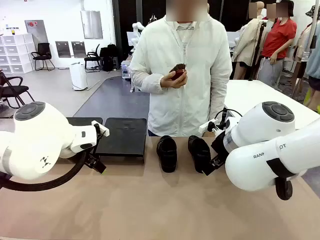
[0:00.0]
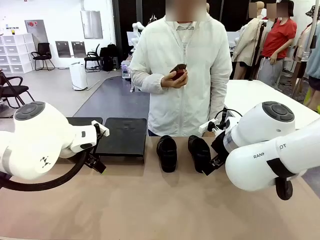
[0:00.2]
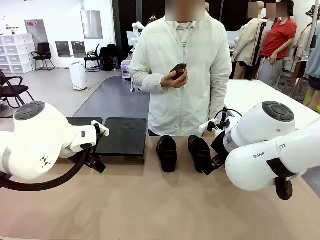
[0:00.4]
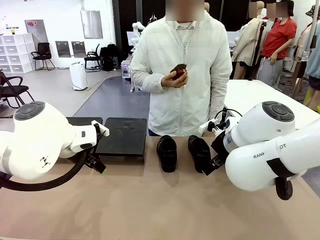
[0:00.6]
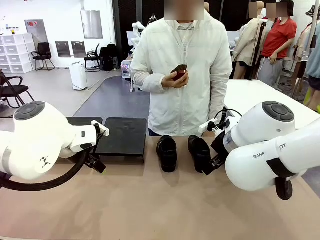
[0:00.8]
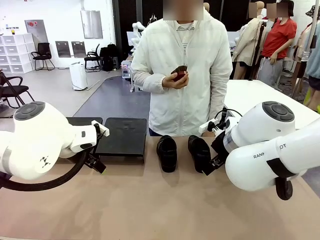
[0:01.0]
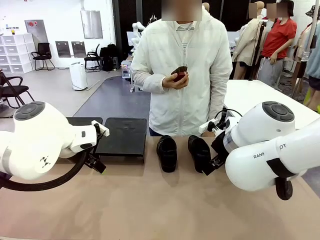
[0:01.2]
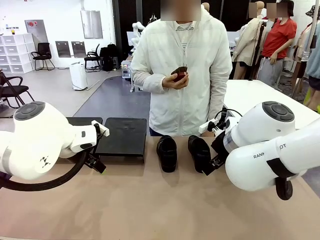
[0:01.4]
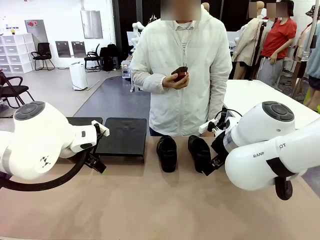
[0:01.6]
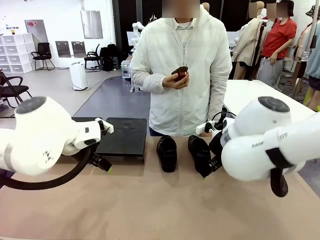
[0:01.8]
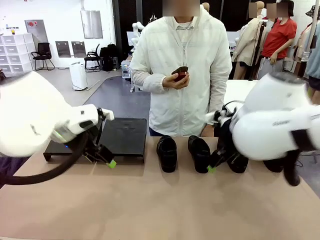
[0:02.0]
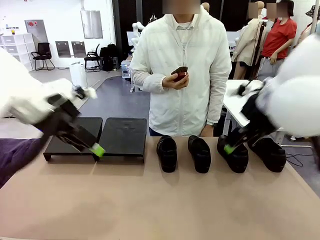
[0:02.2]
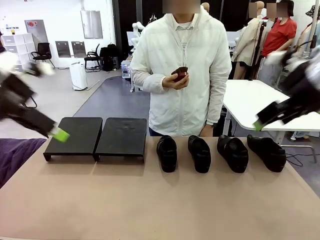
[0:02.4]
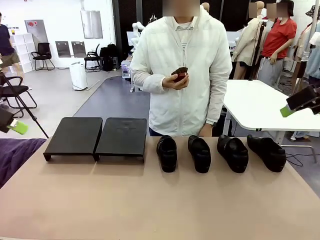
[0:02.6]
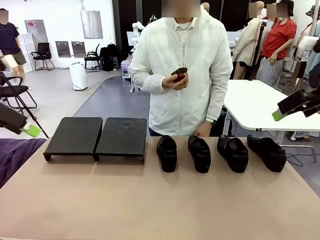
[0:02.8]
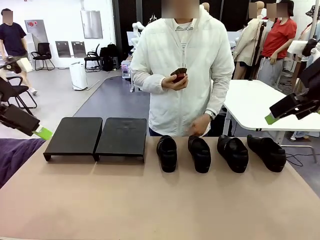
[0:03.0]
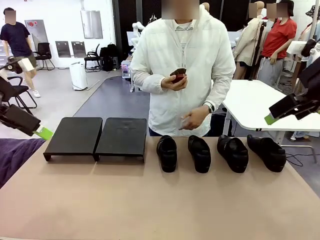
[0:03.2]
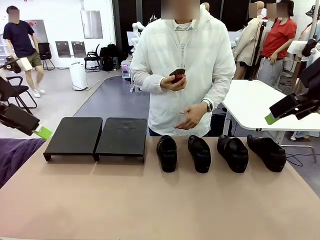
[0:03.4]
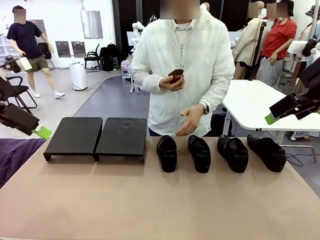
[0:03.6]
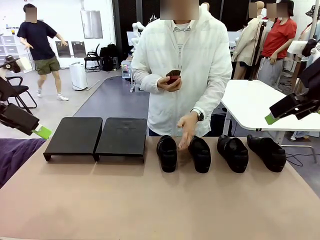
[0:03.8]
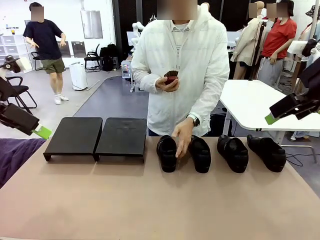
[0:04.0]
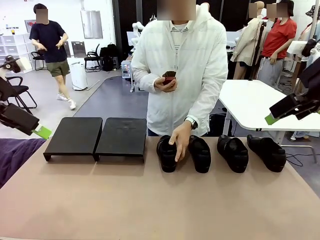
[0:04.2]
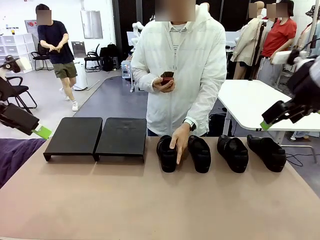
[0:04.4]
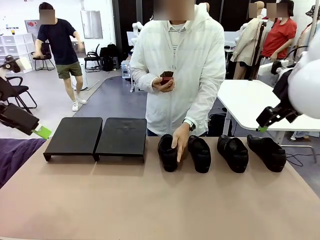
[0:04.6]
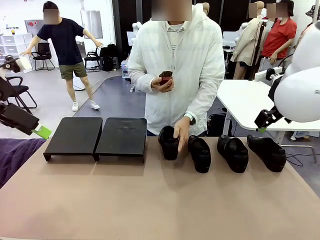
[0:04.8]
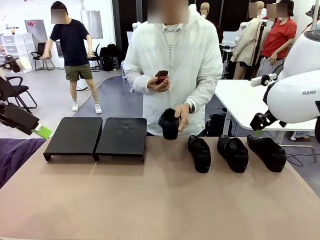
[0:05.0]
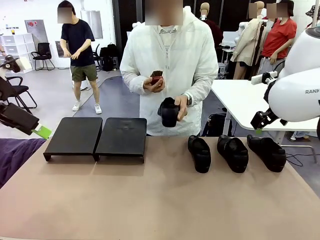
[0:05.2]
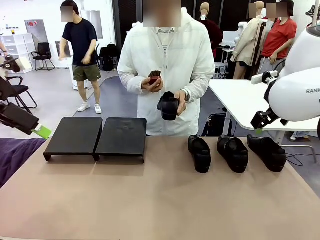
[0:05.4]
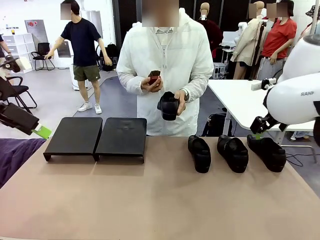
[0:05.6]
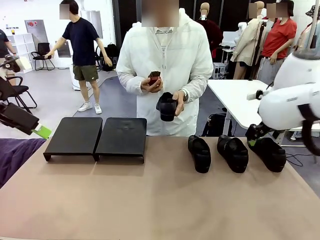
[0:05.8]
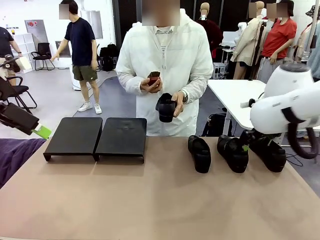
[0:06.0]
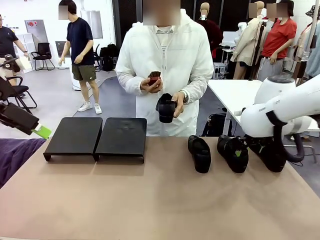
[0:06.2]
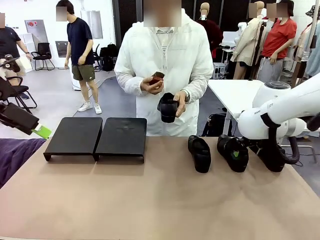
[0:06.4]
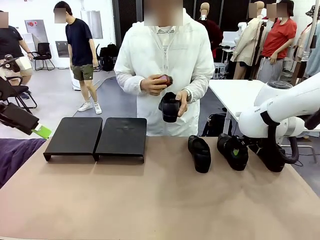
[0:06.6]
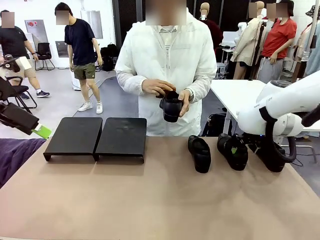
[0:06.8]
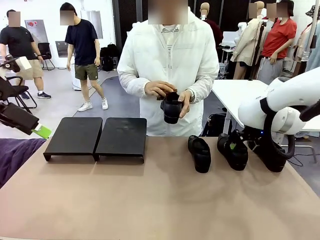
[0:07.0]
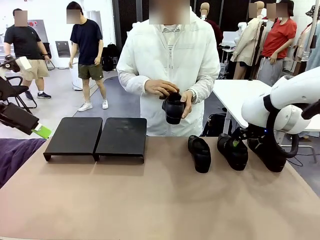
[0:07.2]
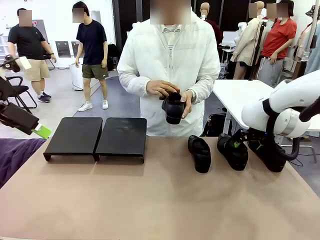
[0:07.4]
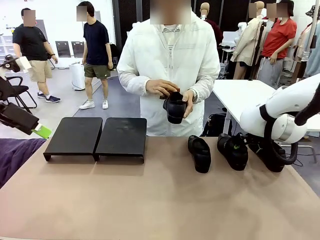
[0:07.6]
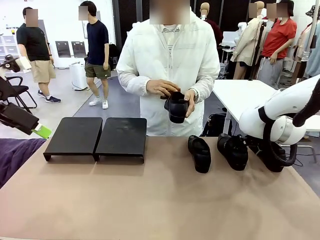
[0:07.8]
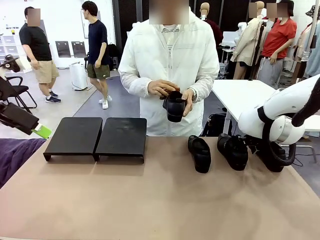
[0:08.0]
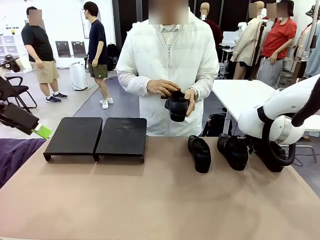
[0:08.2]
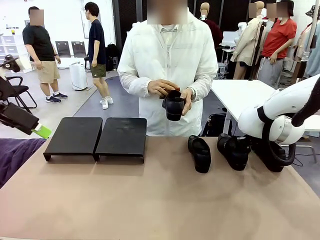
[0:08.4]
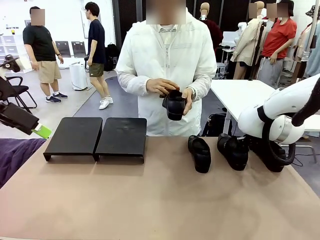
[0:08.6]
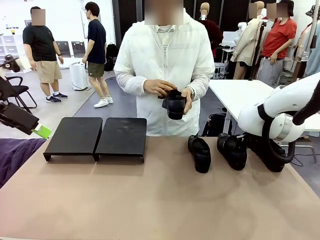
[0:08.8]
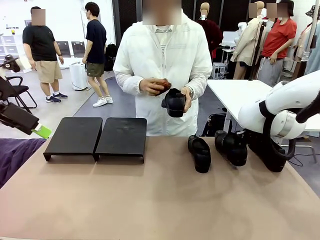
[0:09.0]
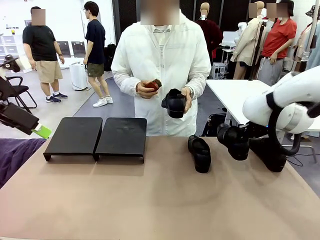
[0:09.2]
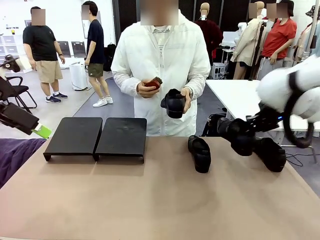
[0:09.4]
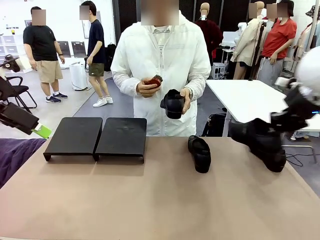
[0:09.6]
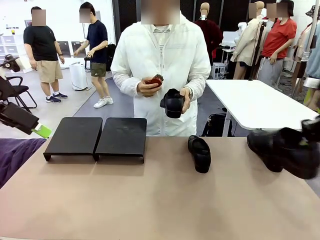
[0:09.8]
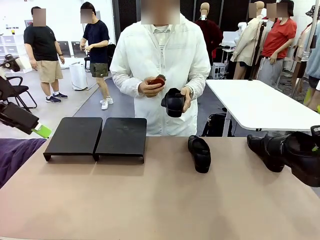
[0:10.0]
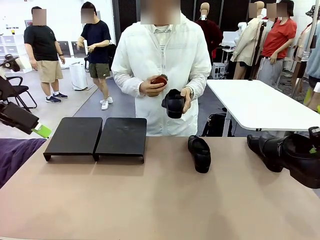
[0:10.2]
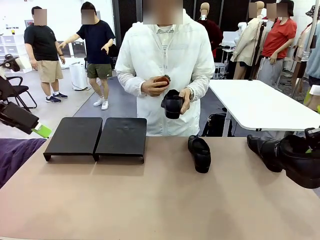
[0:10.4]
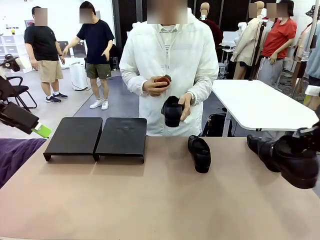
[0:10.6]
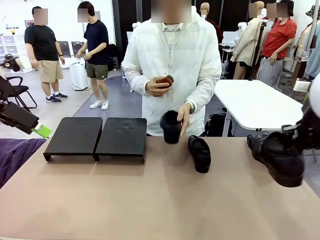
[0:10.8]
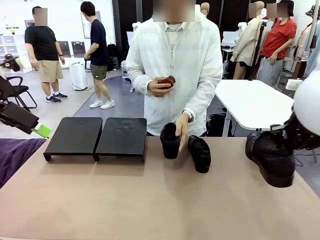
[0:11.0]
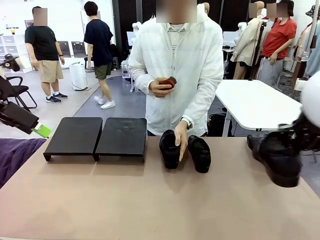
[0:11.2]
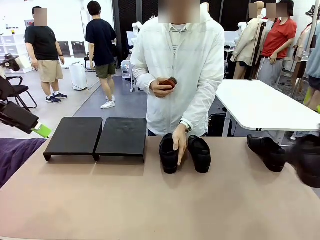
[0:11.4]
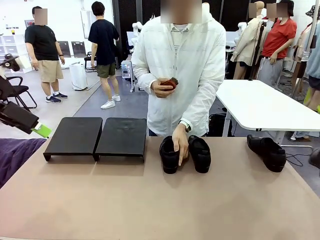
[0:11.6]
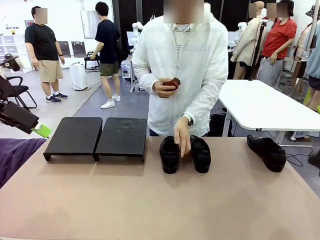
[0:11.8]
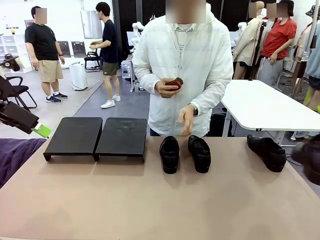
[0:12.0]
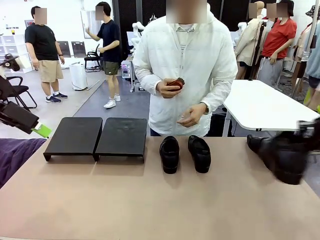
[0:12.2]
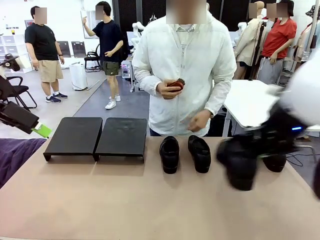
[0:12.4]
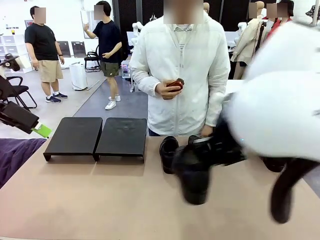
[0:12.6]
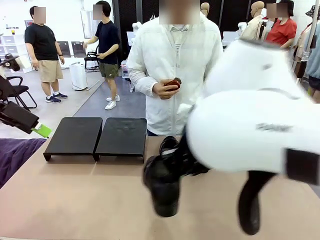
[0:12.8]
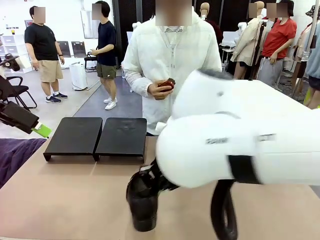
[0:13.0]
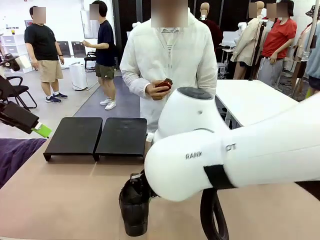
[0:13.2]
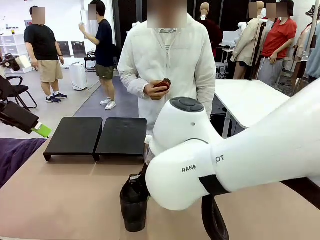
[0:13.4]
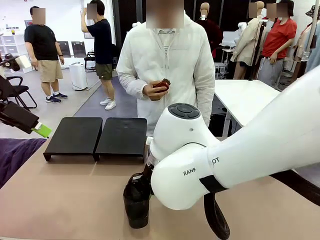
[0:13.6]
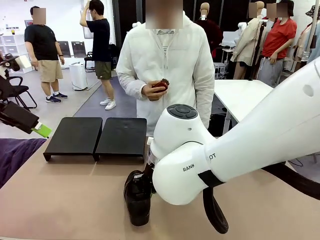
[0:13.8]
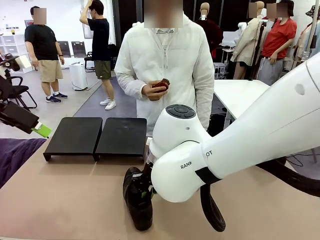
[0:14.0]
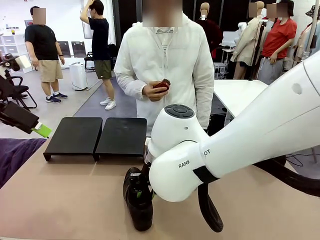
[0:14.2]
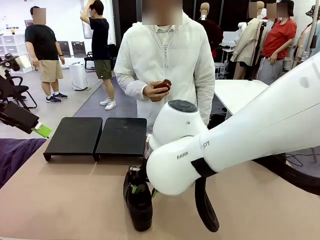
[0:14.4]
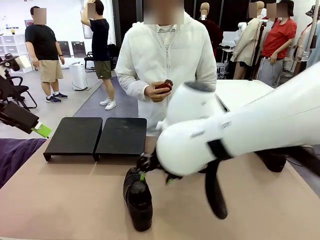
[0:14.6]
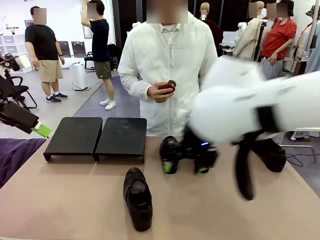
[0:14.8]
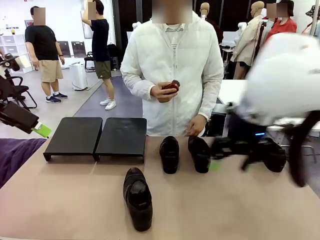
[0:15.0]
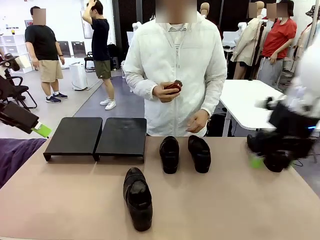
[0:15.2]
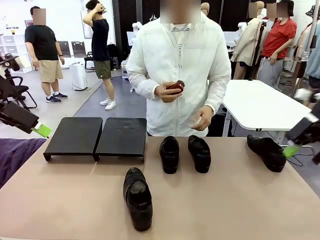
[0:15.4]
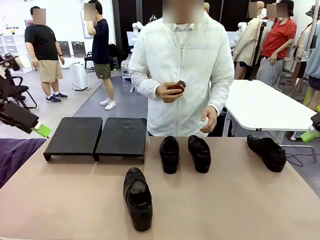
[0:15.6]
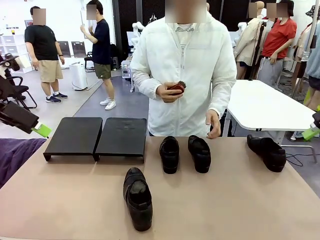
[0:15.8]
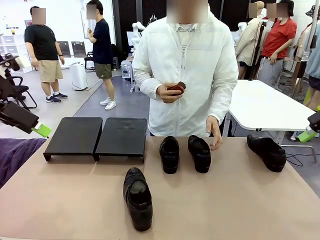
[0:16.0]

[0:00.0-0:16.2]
Task: Organize the shoes by placing them on the stand.
Robot: Pick up one Shoe and place it in the middle of the table.
Person: Pick one Shoe on Robot's table. Clean the Shoe with the Shoe Brush. Place the Shoe on left side of the Robot's table. Pick one Shoe on Robot's table.
